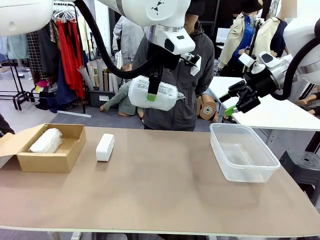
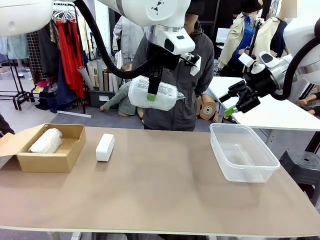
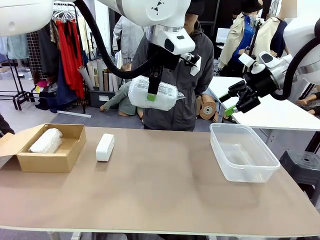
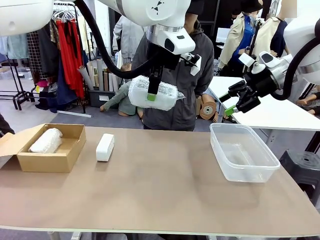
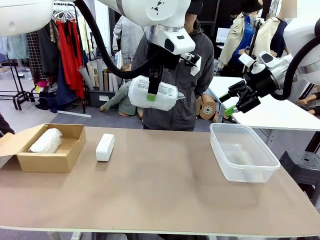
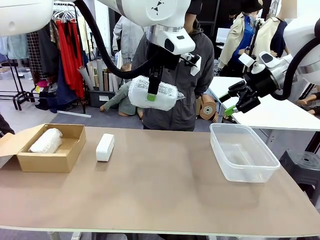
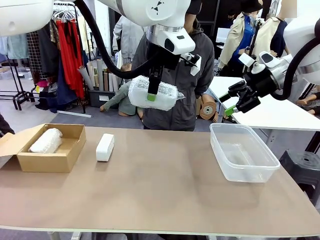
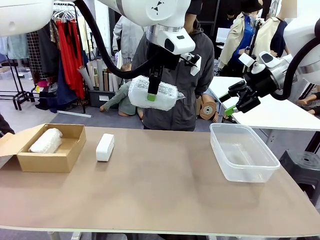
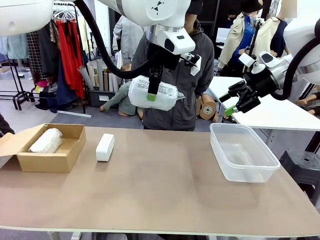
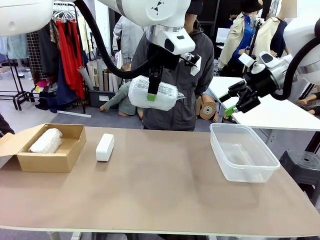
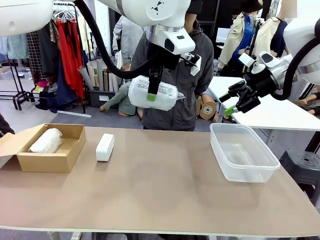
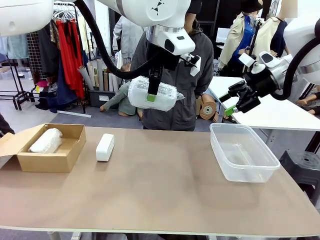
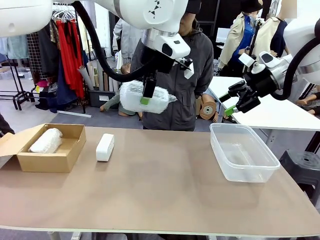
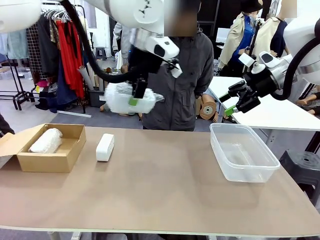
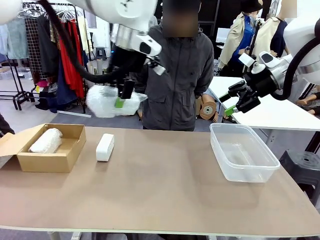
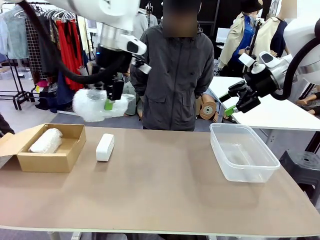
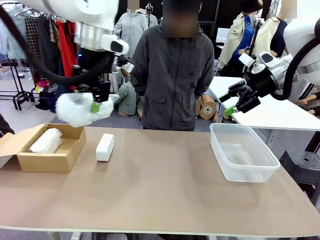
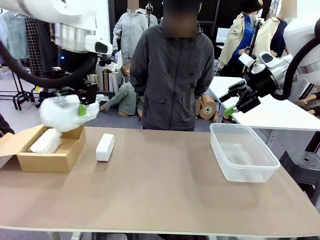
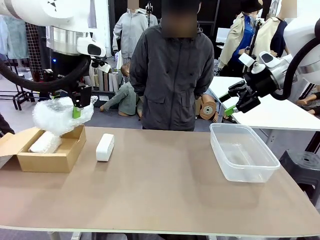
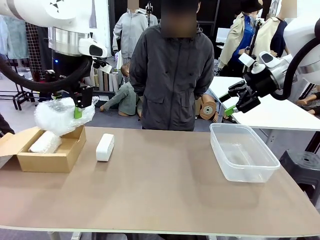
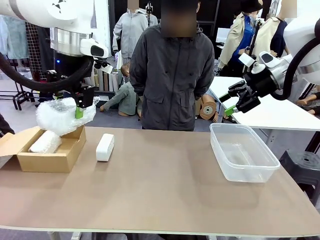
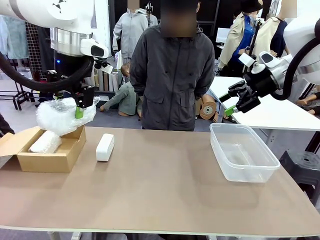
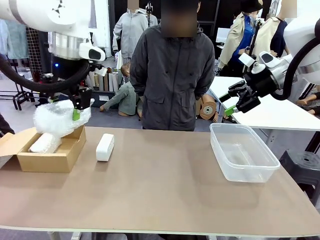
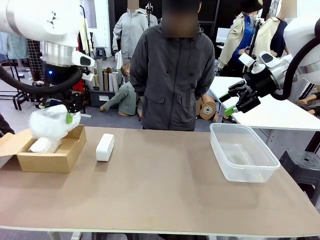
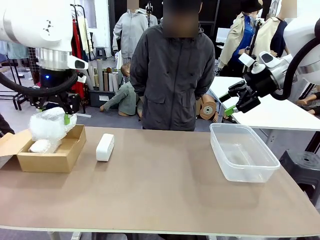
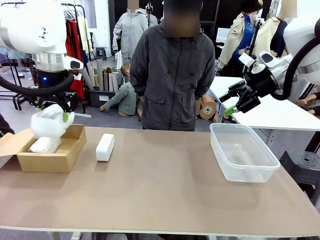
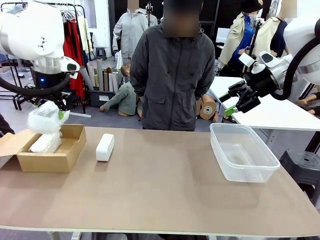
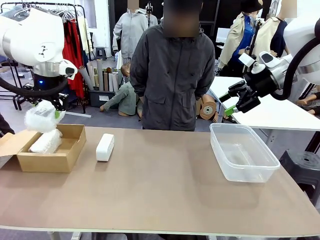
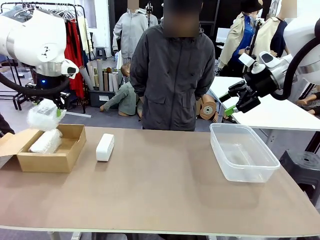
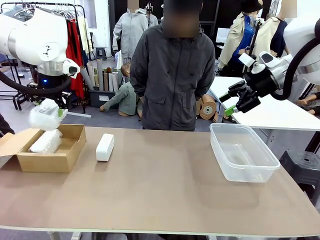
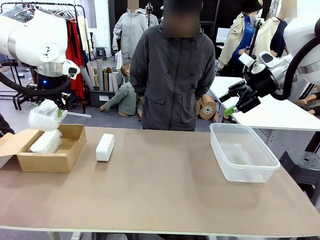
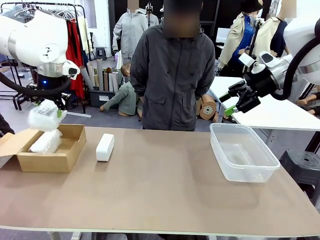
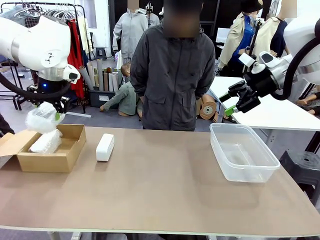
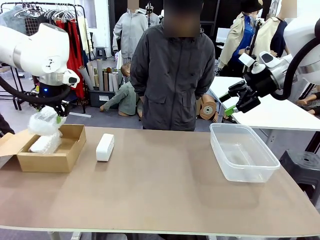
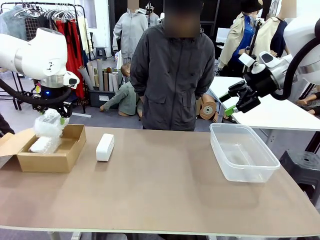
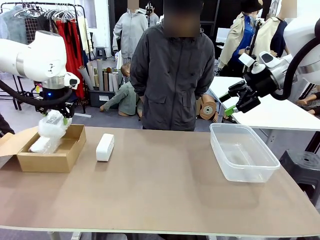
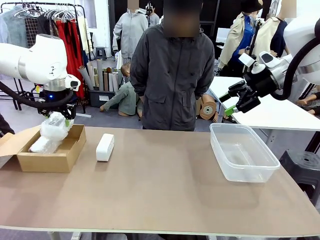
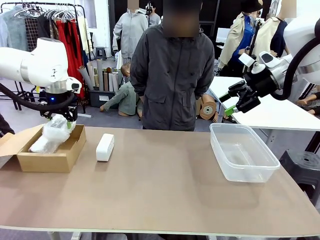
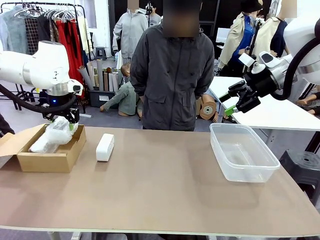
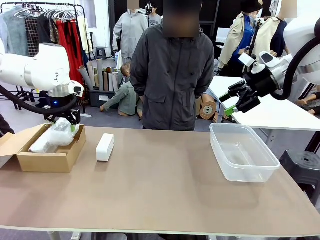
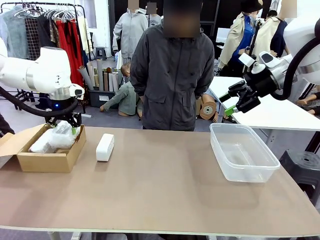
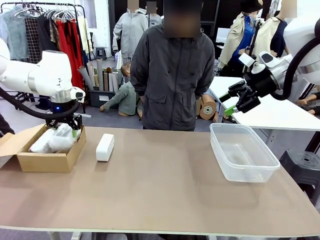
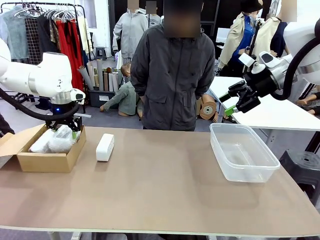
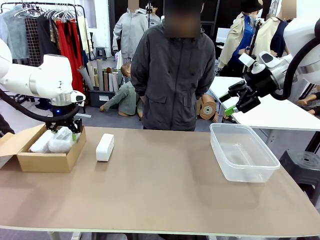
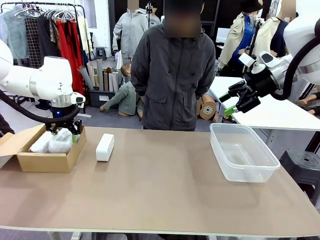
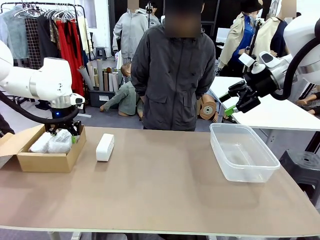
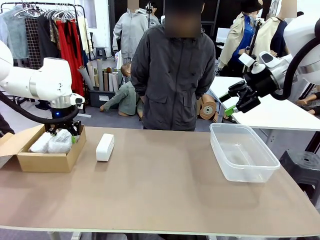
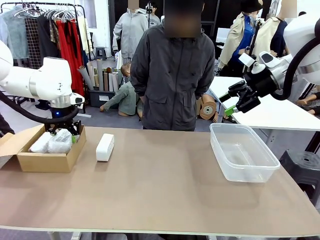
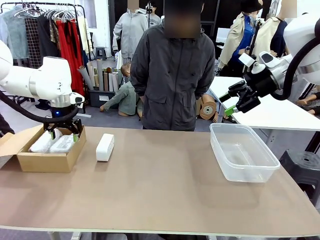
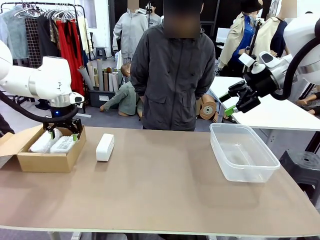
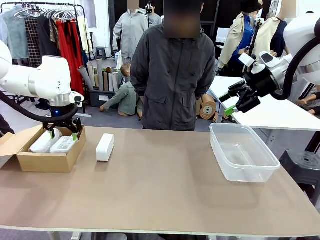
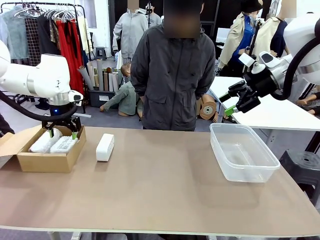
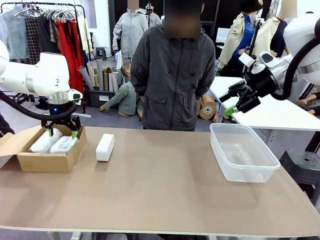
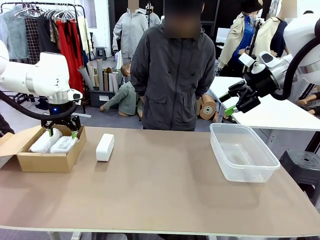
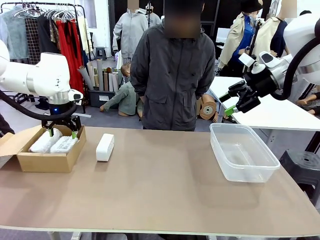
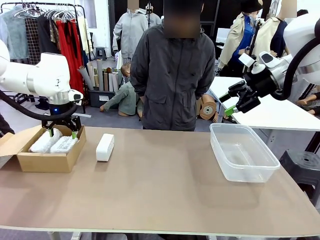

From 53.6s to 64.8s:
Task: Separate and place wrapped and unwrapped clocks.
Robot: If the picked Digital clock is wrapped, place it in the Package Box ; if not, place it in the Organizing box.

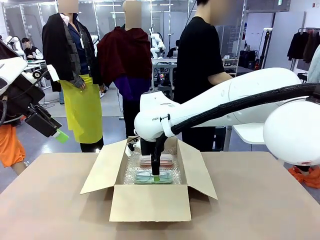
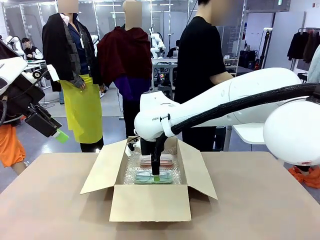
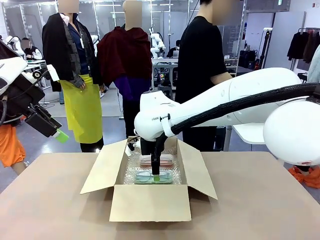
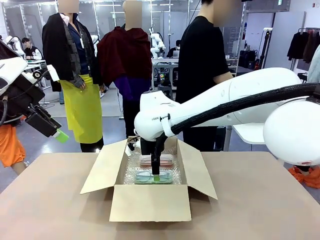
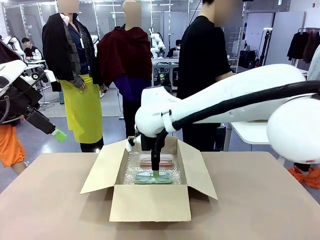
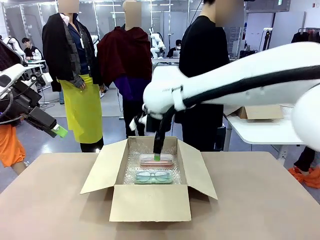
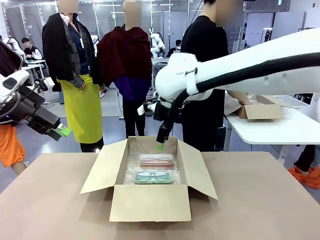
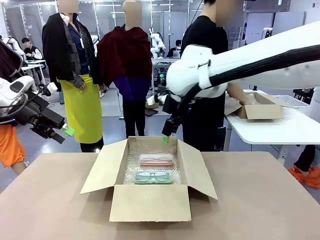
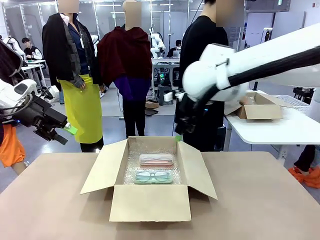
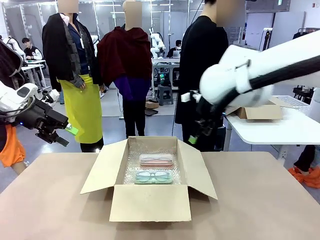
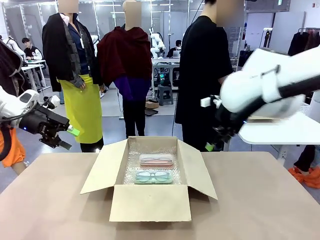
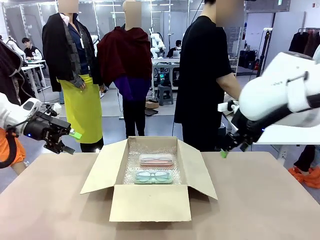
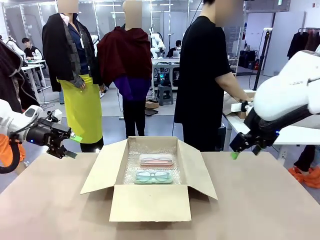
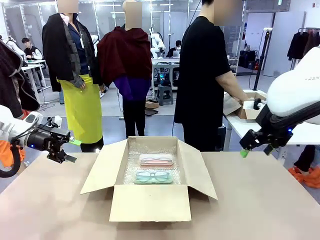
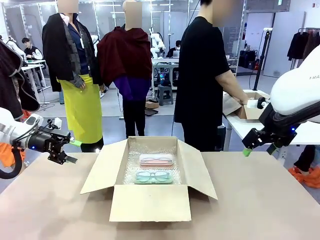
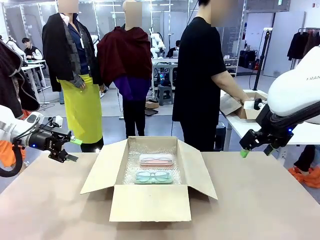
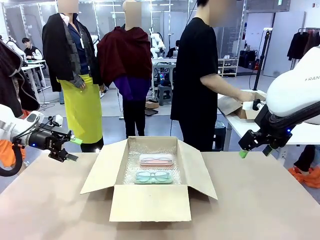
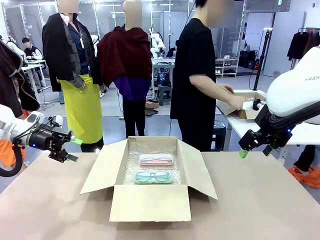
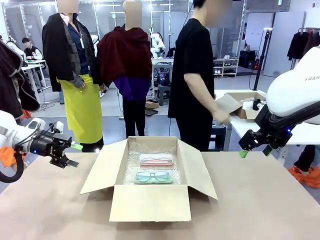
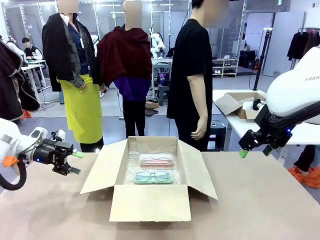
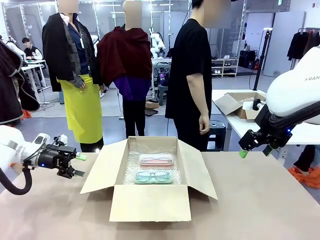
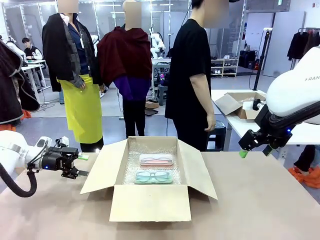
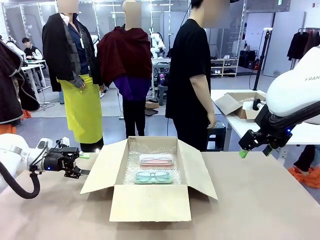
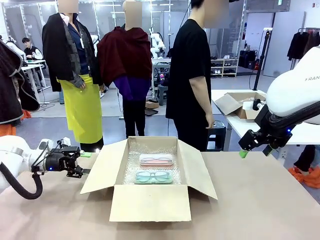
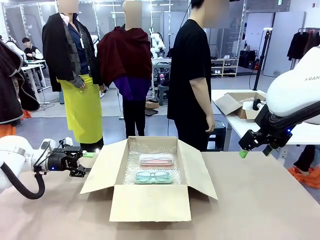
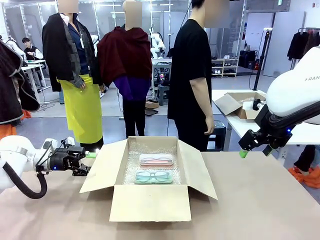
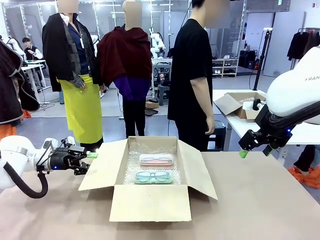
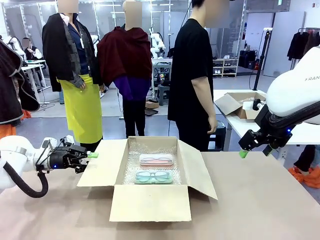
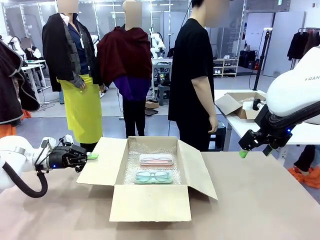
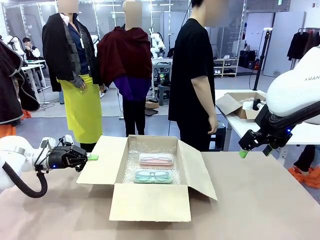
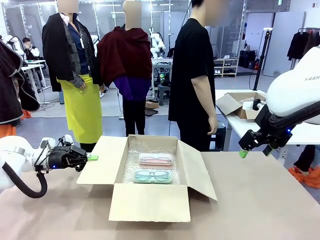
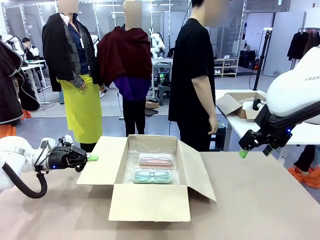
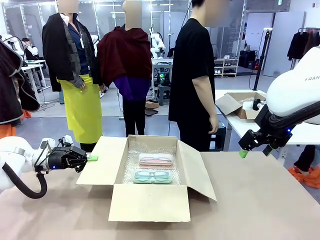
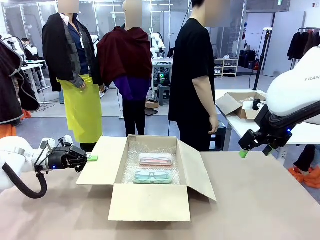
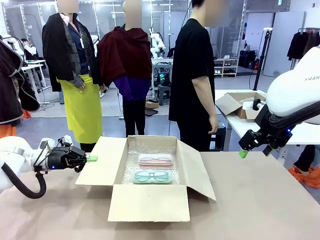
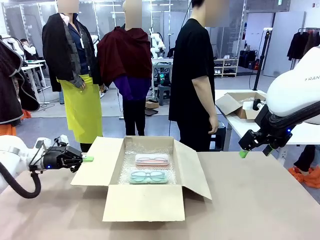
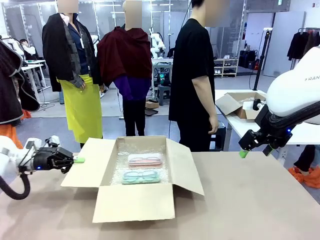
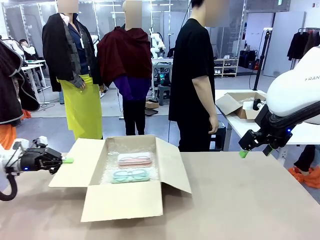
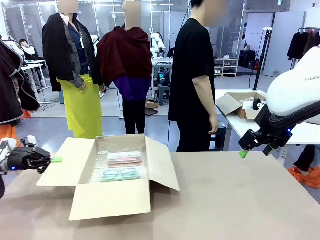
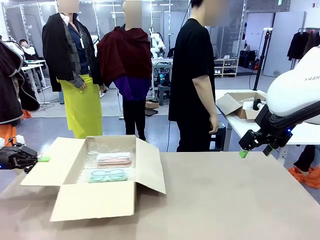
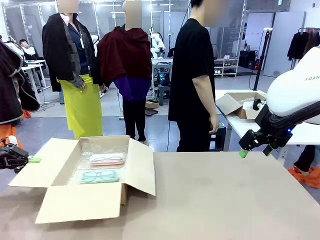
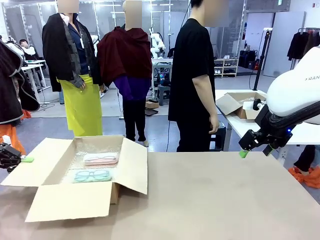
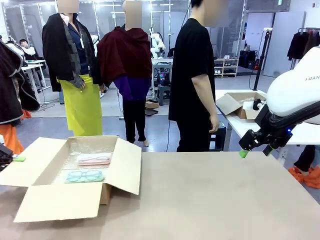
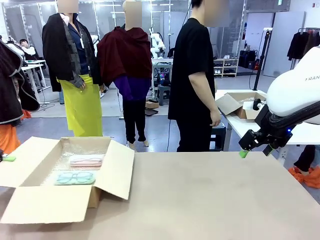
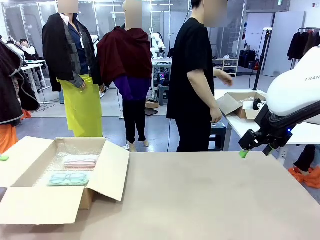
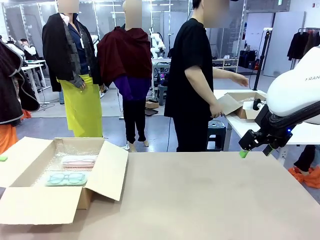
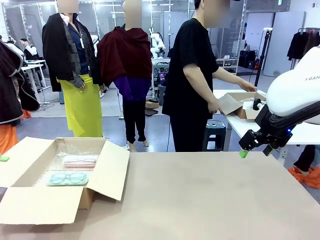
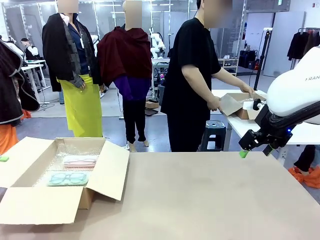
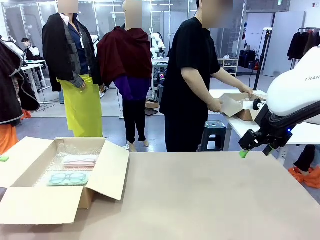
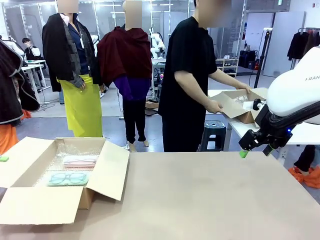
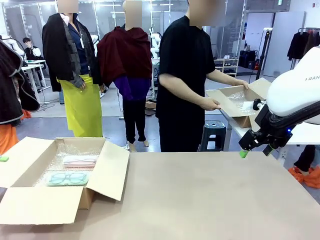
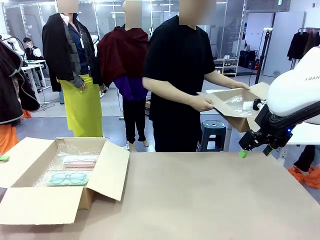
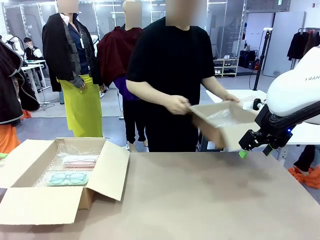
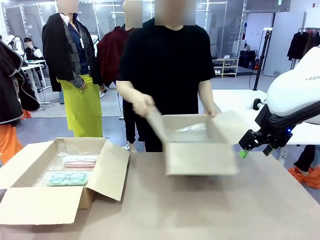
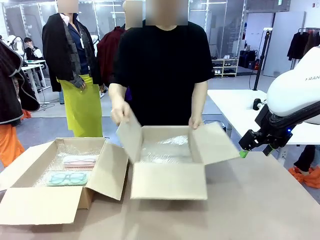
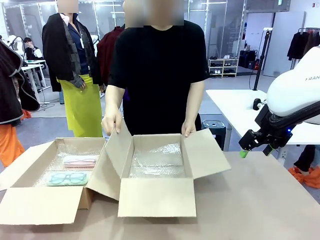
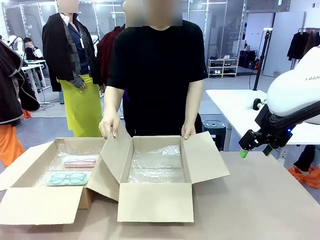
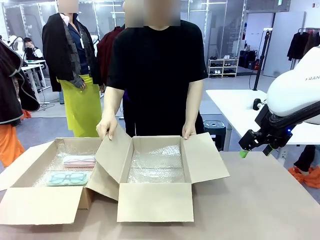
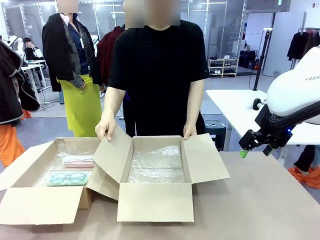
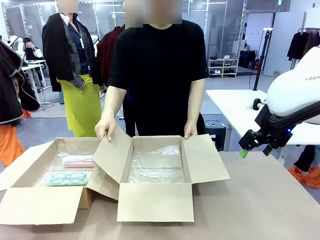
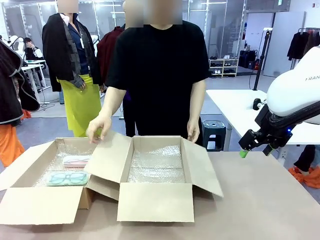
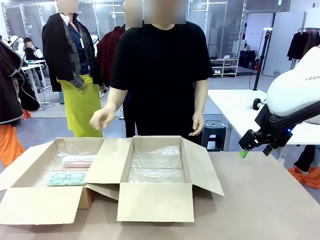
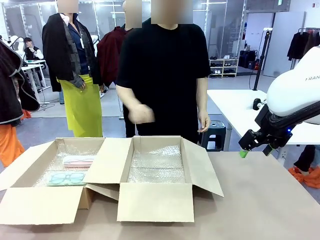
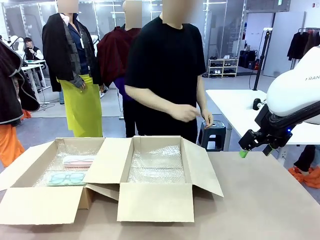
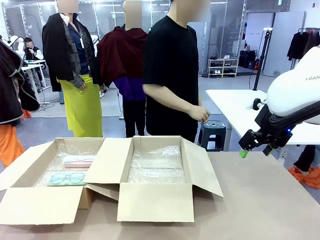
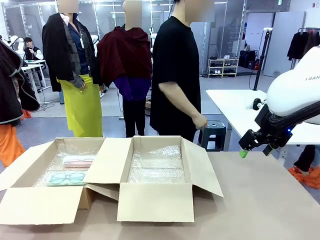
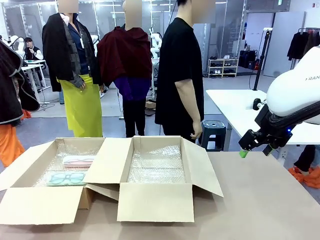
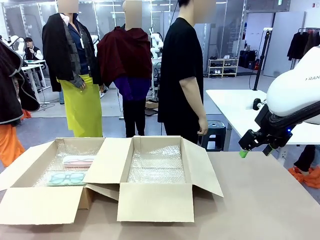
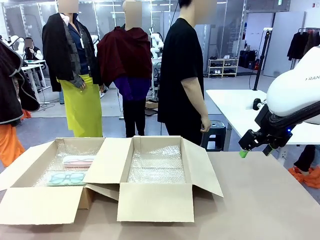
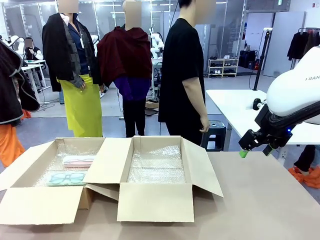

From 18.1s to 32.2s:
Task: Pack the glasses set securely to prepare it for shipping.
Robot: Position the Package Box on the left side of the table.
Person: Position the empty Package Box in the middle of the robot's table.
